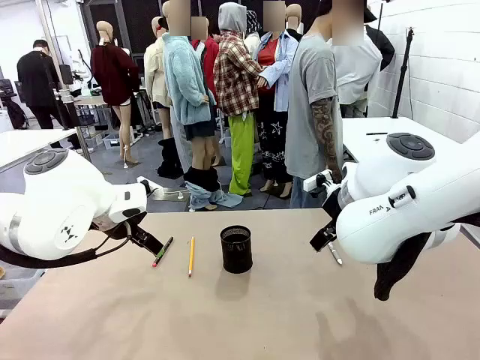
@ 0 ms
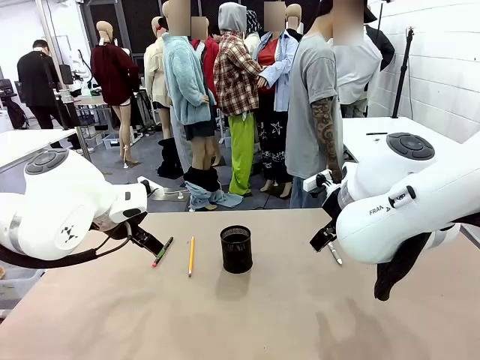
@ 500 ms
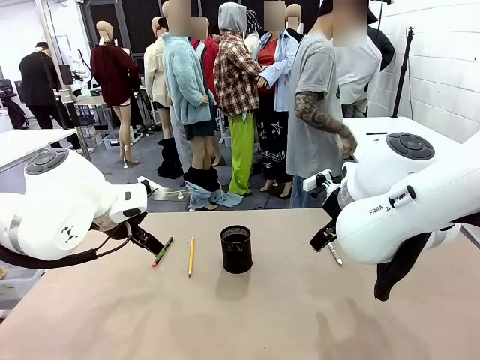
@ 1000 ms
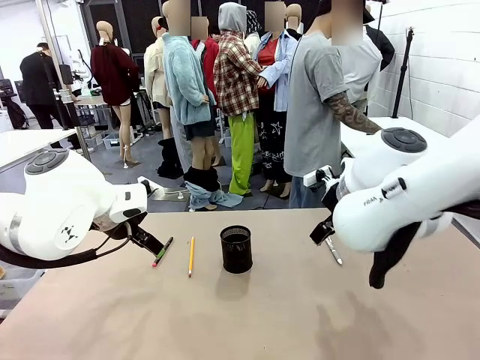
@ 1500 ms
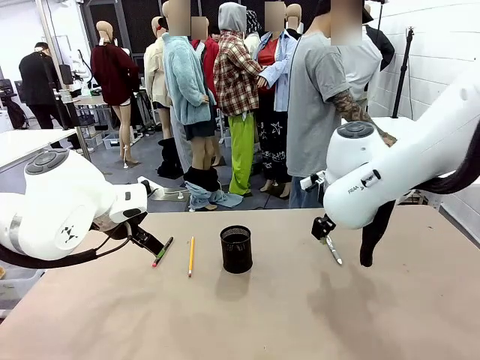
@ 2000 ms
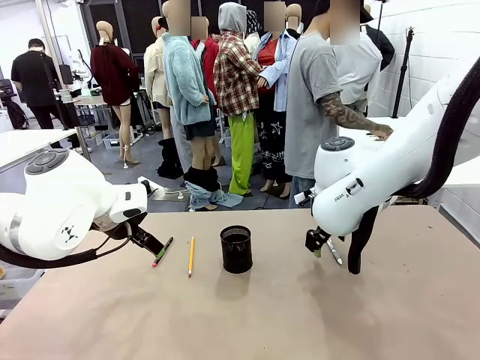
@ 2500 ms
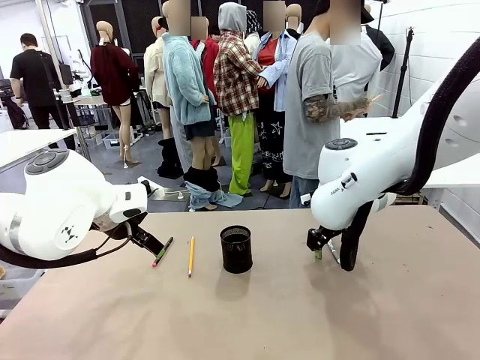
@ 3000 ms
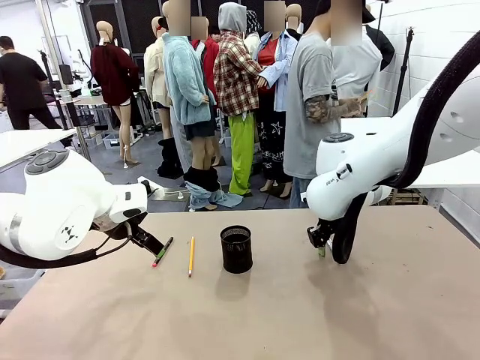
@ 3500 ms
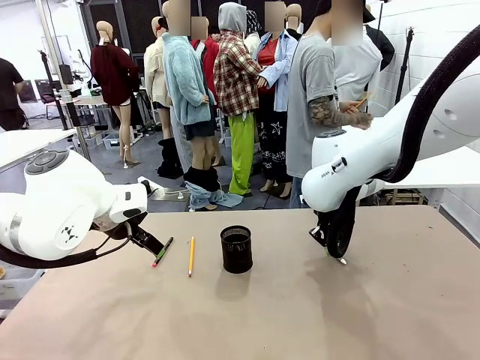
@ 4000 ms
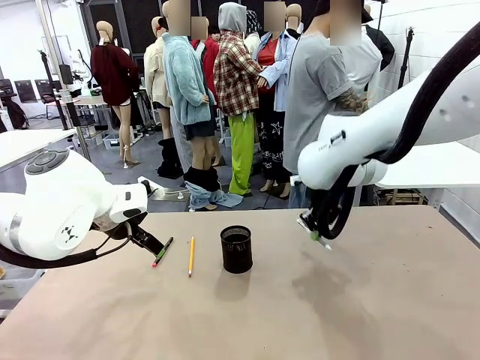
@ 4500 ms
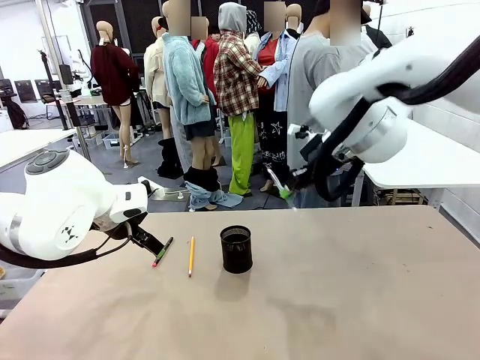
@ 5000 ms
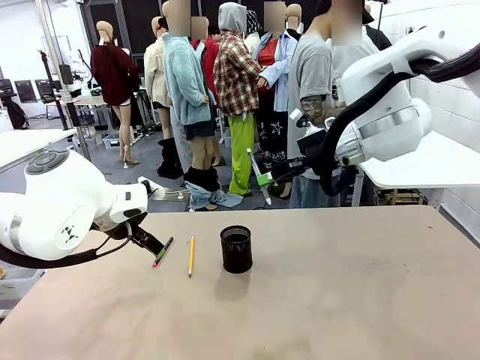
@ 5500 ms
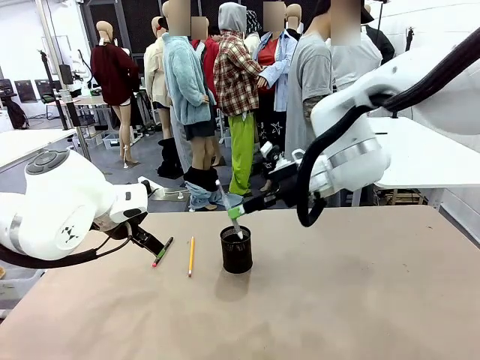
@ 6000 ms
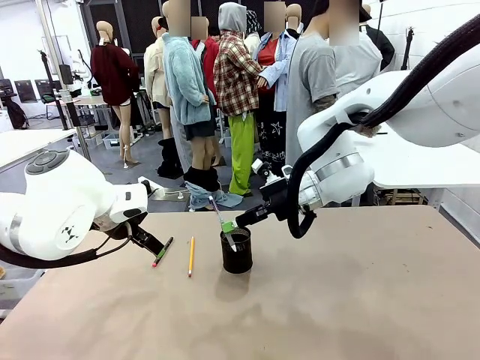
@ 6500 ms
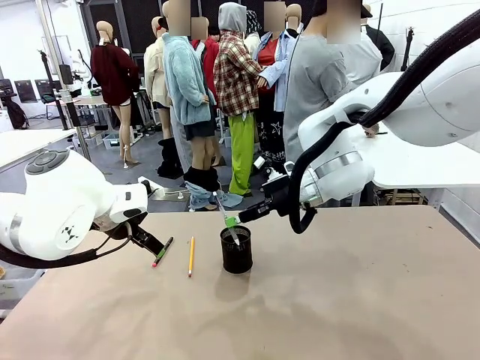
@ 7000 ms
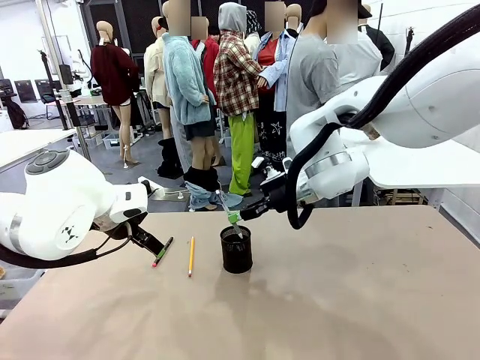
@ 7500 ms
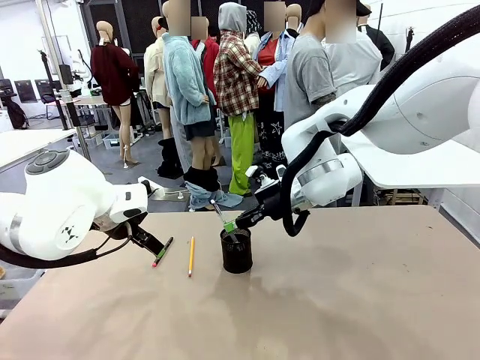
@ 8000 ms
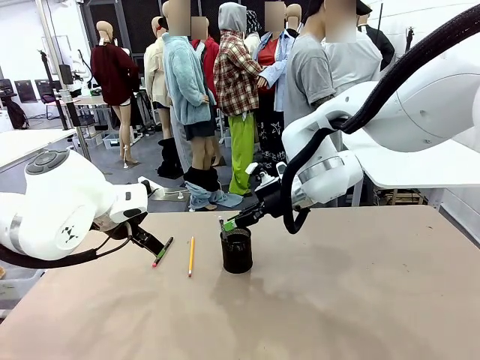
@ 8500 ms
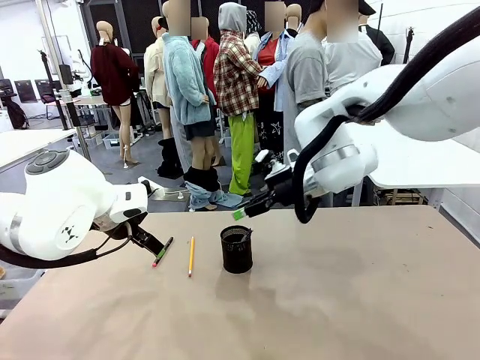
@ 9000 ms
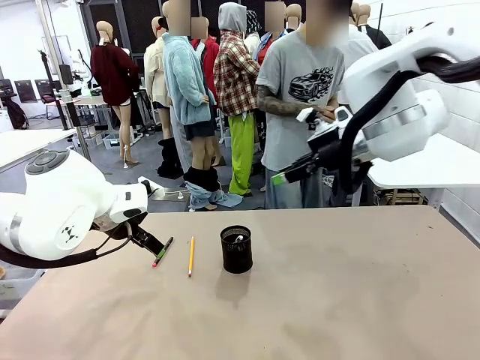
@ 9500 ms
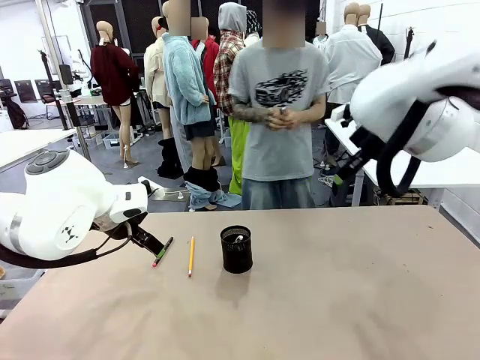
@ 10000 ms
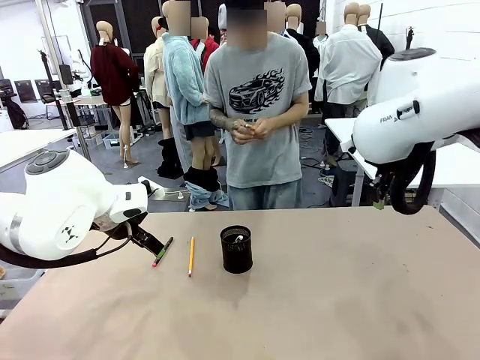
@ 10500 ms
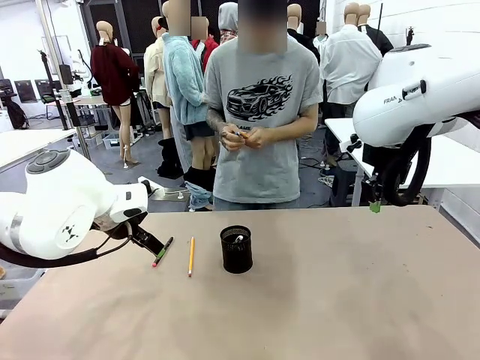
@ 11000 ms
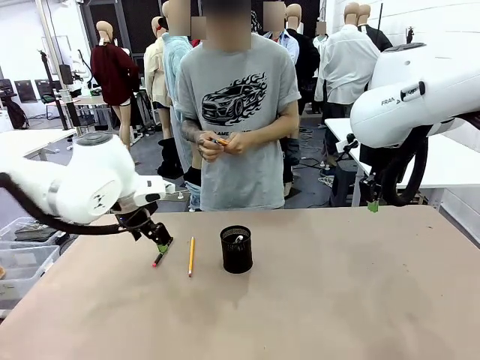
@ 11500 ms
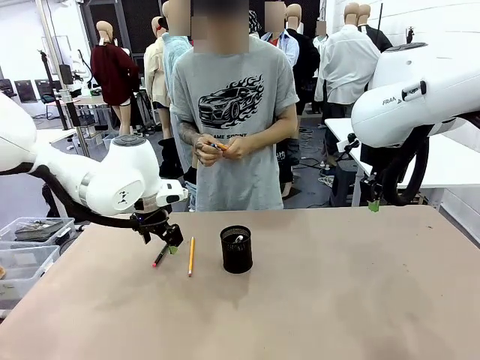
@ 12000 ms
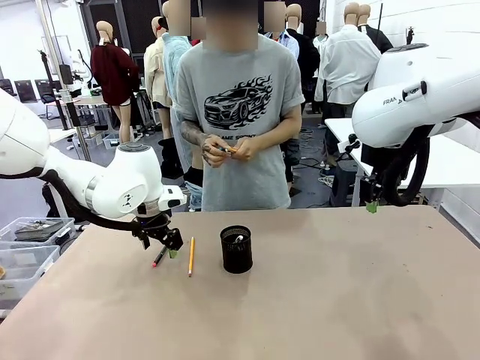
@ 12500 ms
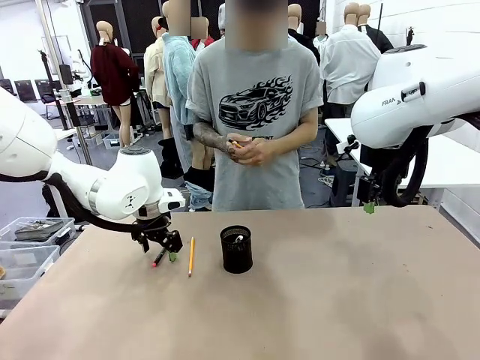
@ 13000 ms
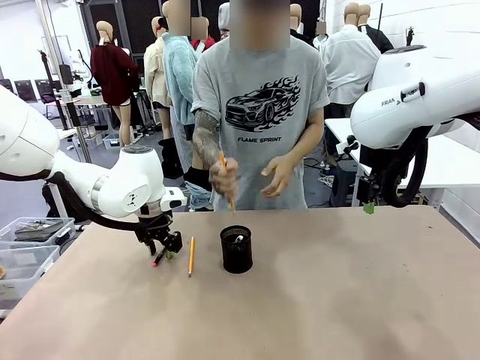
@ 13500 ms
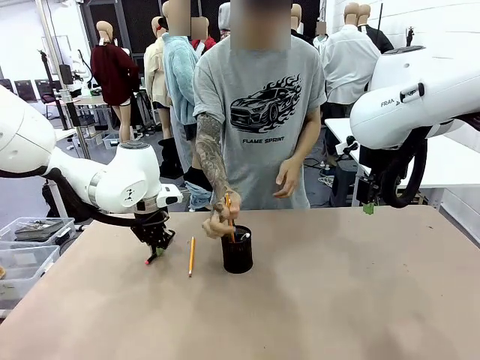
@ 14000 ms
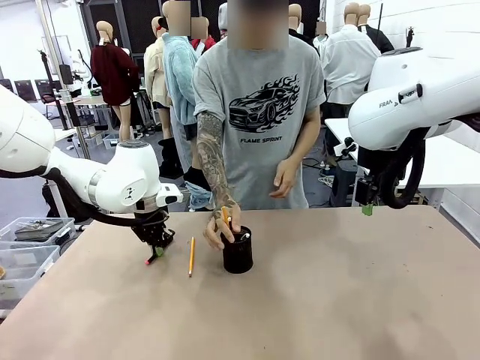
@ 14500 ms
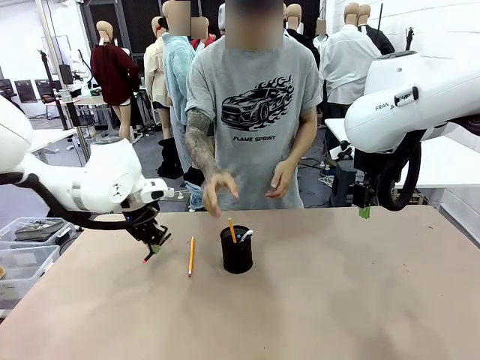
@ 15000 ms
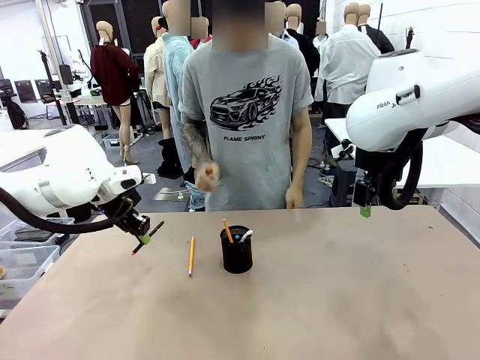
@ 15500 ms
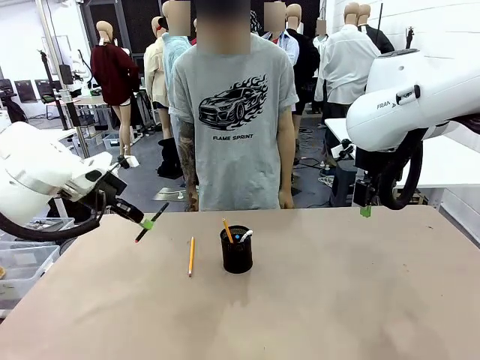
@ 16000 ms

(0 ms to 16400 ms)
Task: Place the pens into the pen holder.
Robot: Pick up a writing instrument from the table and place it into the Pen holder.
Person: Pick up all writing instruments from the Human table.
